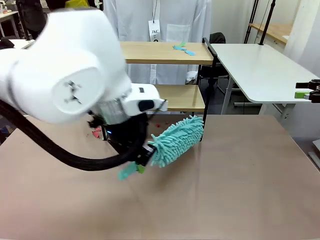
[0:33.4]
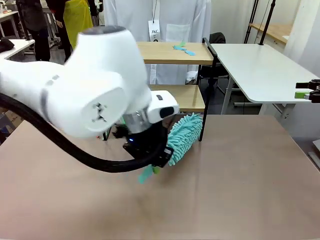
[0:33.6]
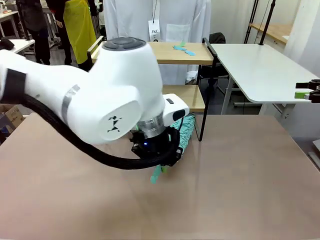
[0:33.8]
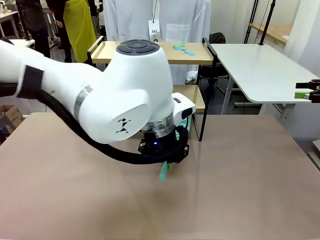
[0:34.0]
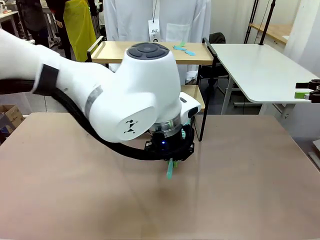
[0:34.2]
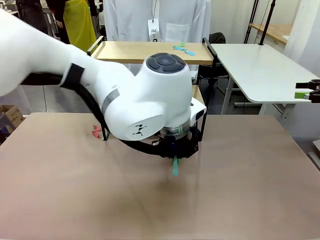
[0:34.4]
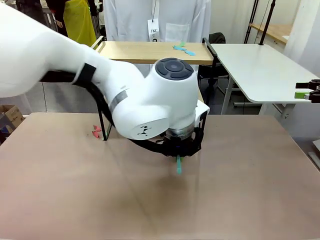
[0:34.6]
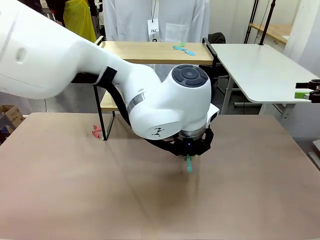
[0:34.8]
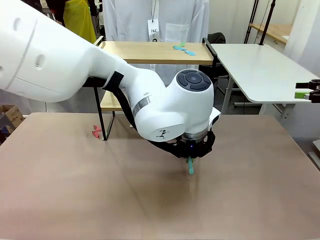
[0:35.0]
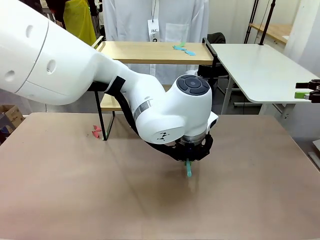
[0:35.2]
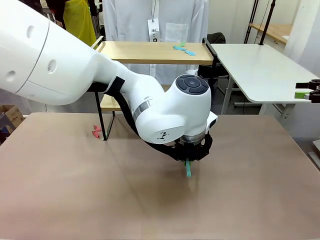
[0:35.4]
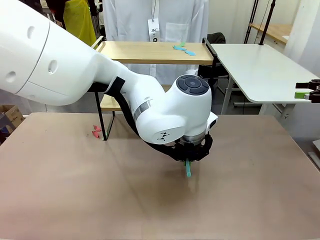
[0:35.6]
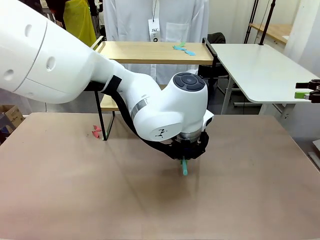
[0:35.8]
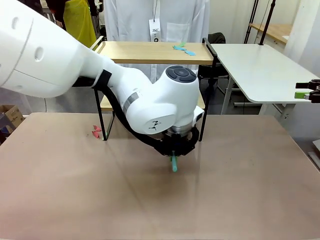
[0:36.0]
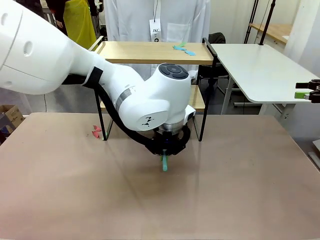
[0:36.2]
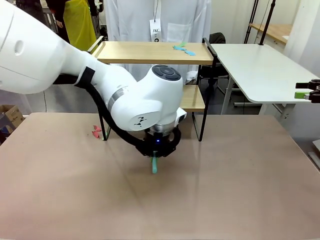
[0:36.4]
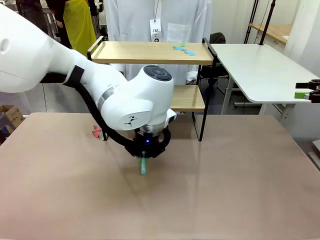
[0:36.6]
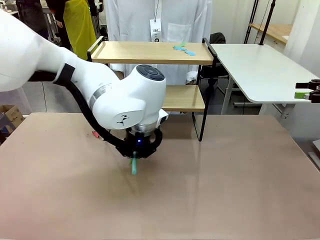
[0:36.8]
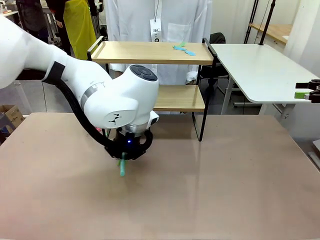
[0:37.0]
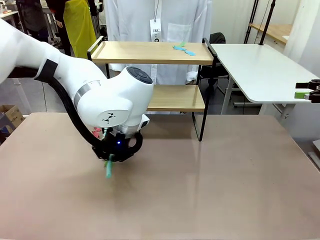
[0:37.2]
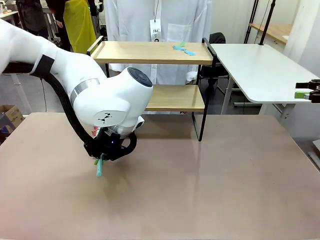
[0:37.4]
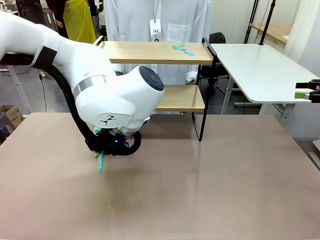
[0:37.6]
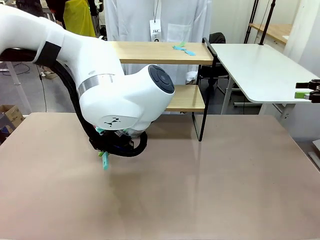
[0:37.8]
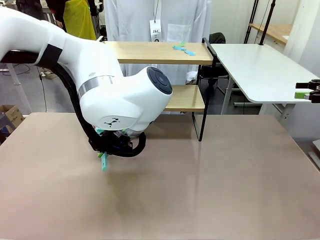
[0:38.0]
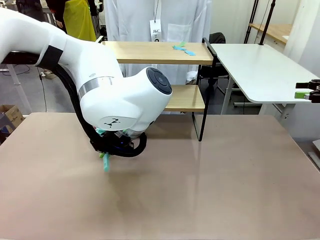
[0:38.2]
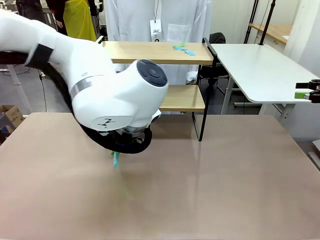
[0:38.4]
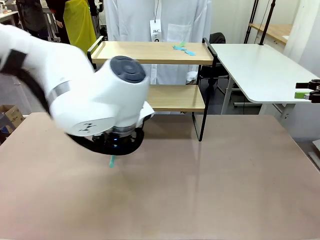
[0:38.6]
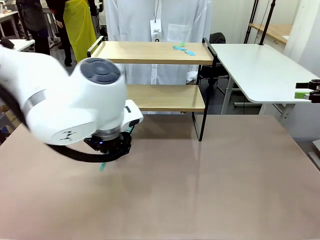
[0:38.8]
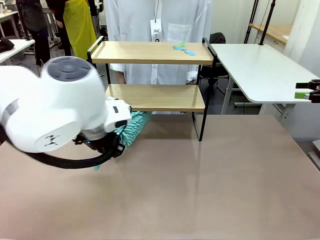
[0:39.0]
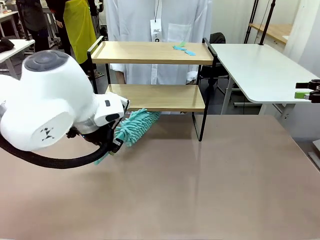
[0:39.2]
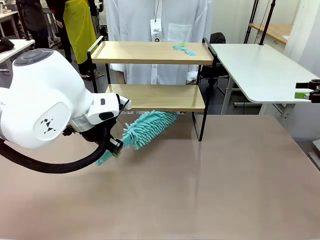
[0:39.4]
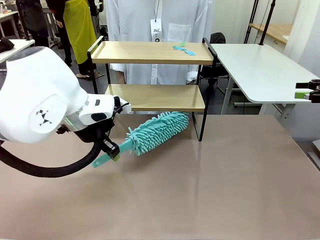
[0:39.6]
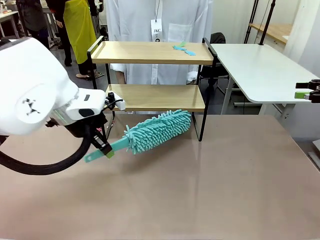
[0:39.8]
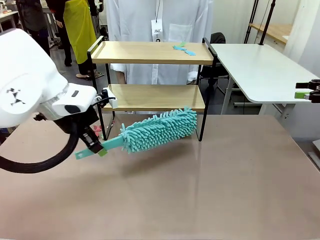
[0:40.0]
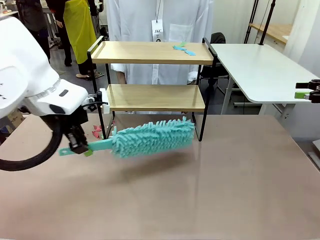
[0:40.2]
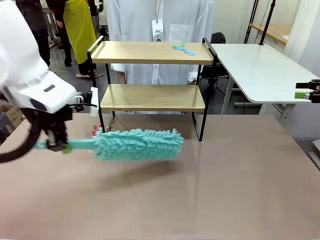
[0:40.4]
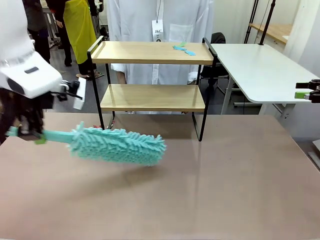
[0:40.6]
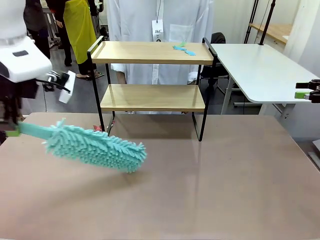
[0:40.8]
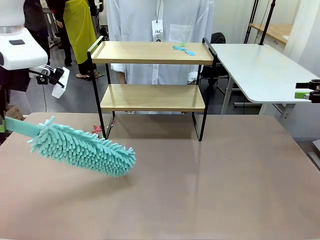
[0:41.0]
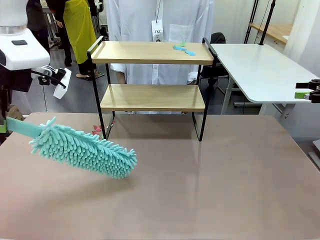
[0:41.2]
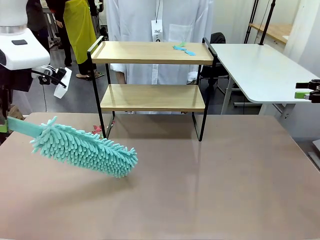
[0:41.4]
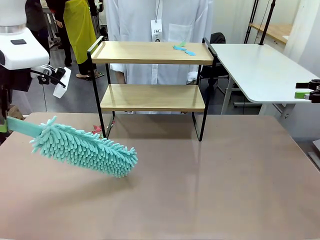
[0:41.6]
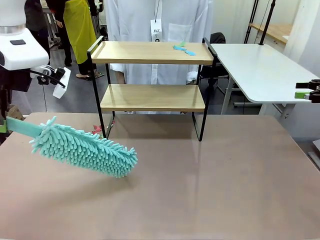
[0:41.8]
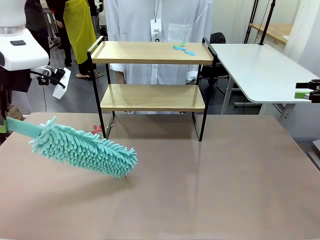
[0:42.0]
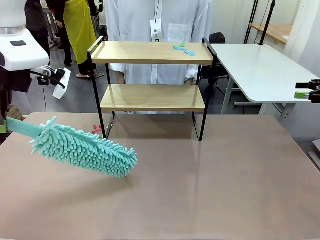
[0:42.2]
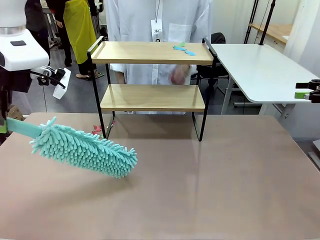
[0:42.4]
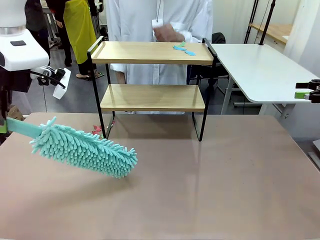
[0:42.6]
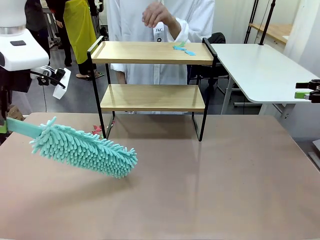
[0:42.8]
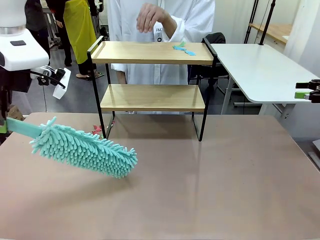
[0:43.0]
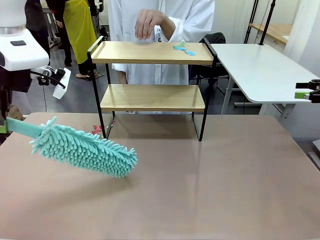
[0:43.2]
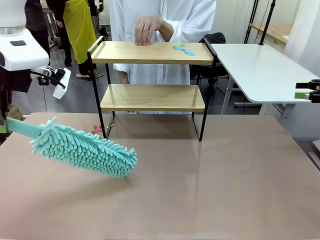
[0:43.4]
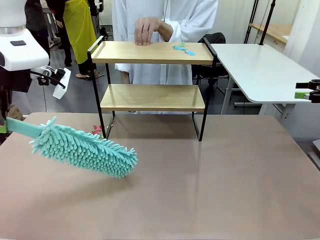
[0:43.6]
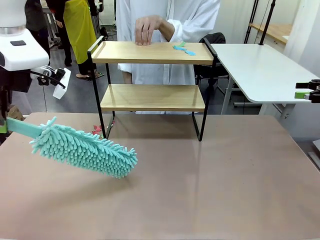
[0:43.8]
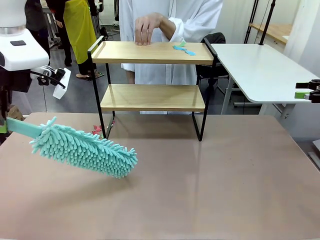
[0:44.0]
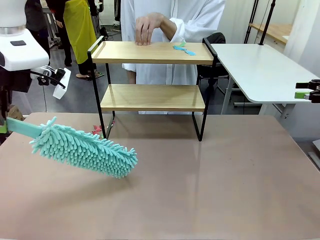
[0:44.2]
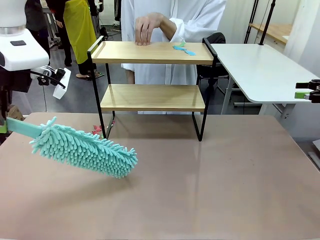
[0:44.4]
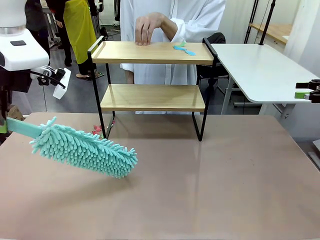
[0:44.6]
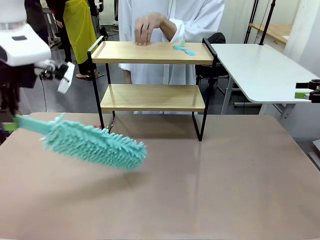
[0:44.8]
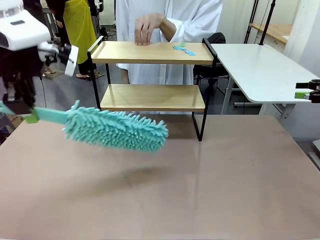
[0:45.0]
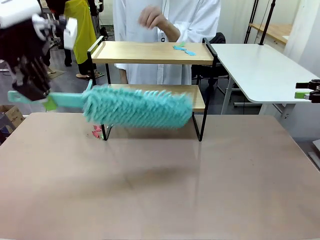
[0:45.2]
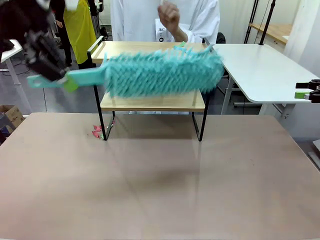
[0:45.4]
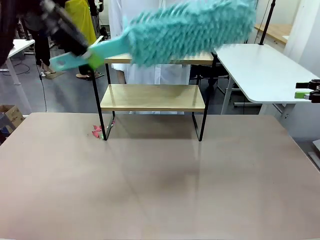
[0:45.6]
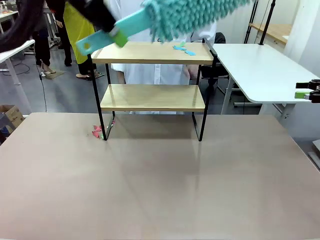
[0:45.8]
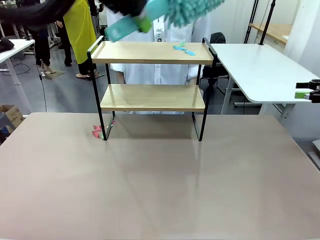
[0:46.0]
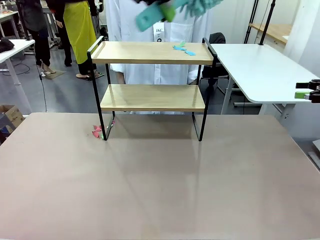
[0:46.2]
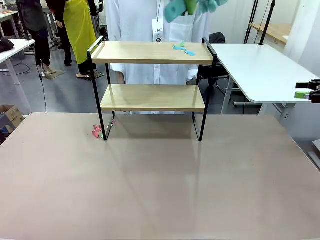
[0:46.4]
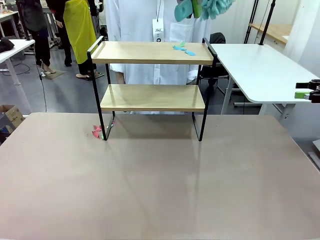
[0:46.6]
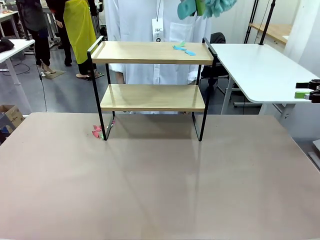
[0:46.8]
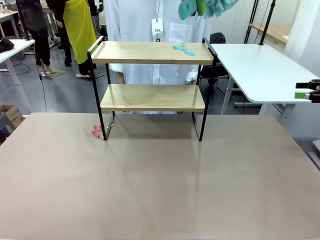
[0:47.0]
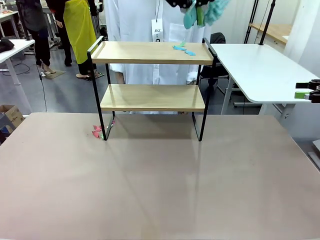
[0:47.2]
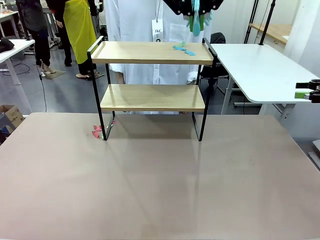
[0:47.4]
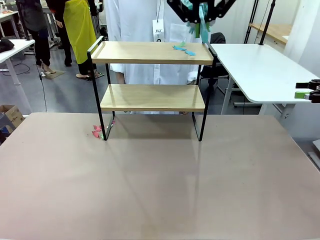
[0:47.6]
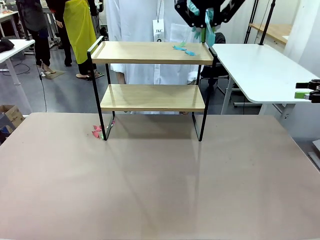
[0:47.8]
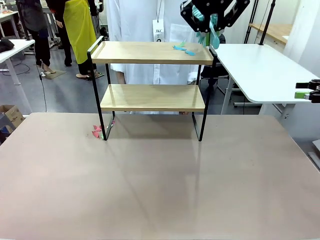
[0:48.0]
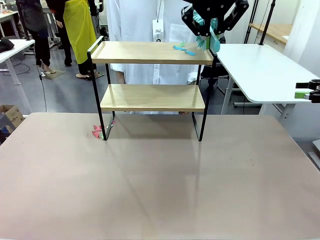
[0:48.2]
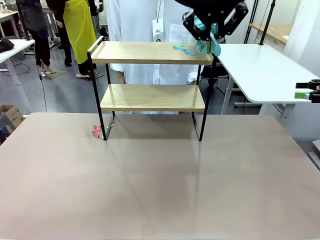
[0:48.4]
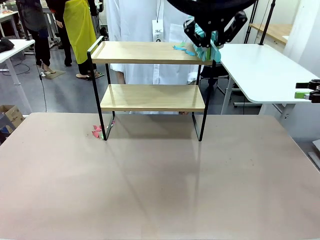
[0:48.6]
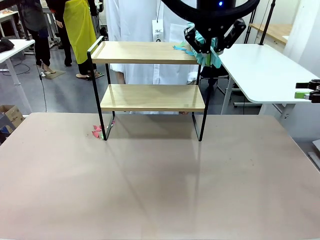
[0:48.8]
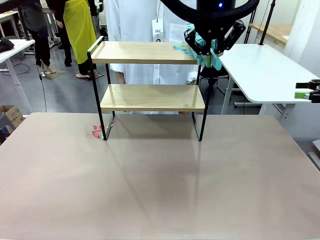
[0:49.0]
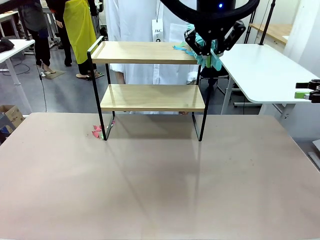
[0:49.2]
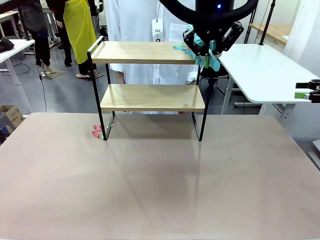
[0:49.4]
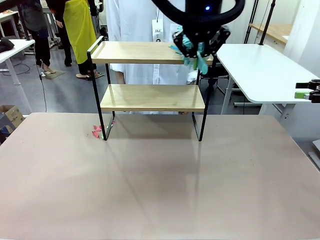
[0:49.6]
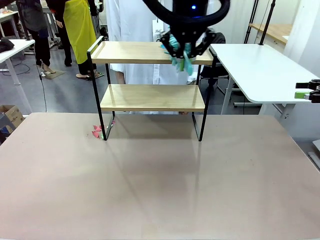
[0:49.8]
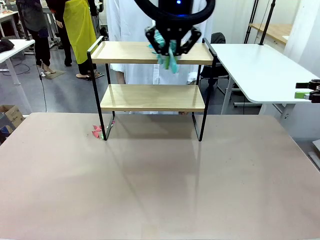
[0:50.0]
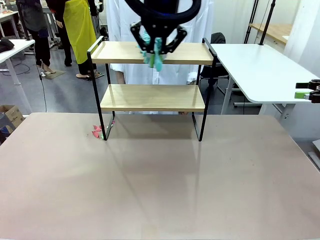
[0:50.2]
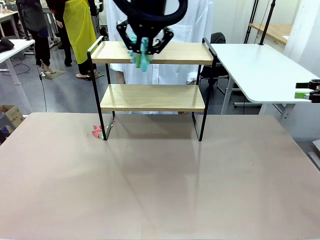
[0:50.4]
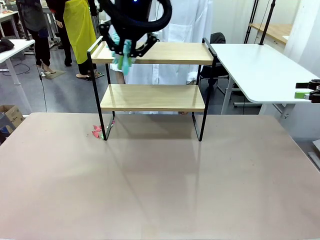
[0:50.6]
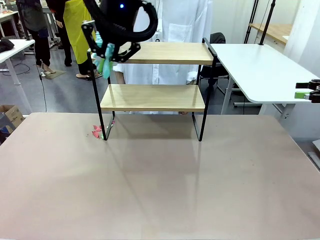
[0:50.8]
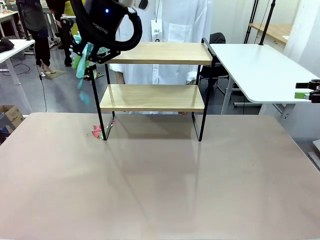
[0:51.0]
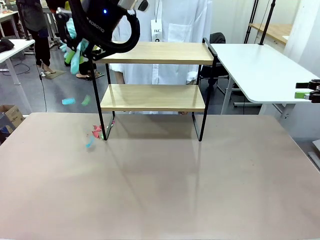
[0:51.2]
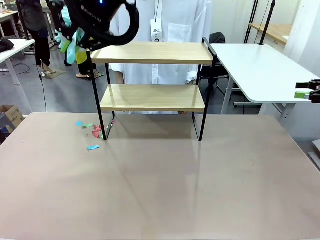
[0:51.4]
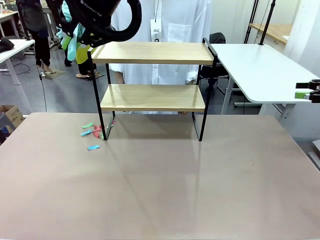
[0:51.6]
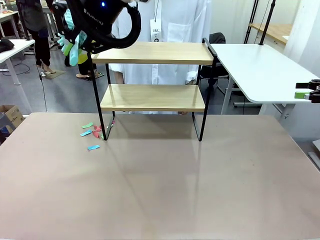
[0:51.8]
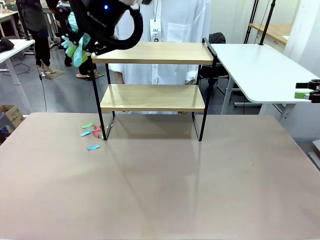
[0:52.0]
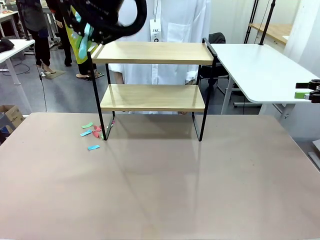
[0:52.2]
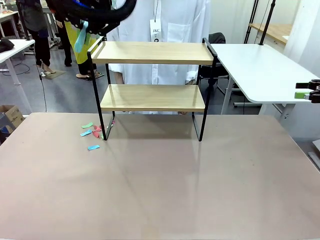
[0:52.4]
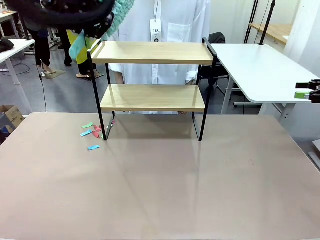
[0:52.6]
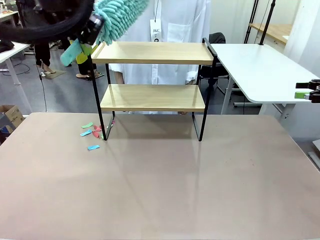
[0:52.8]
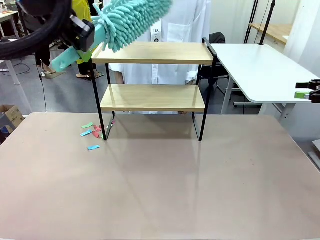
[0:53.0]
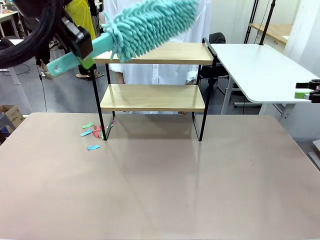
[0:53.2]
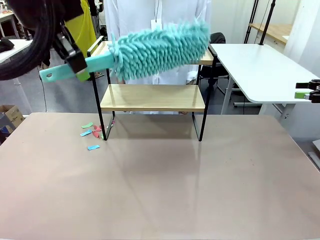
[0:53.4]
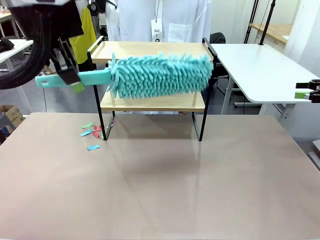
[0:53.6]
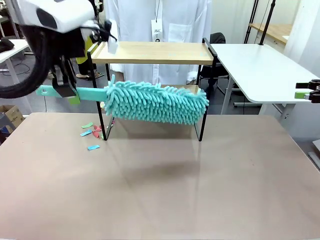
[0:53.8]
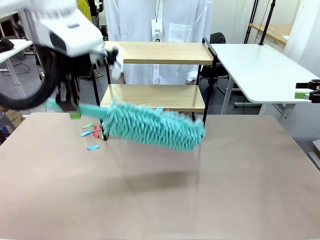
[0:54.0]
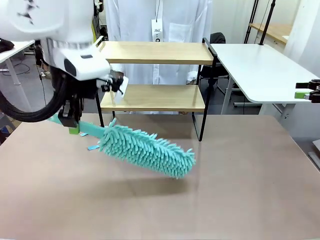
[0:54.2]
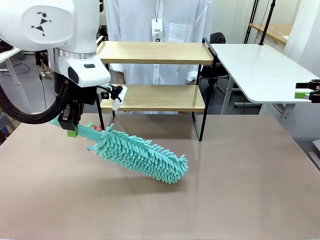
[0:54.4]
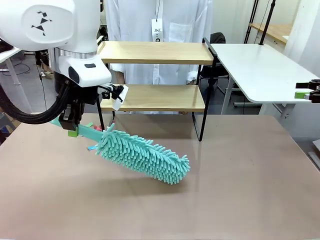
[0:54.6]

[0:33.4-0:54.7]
Task: Clean the shelf.
Robot: Clean the specific section of the Shelf indicated by the human with the Duster.
Person: Point a remaining section of the Shelf.
